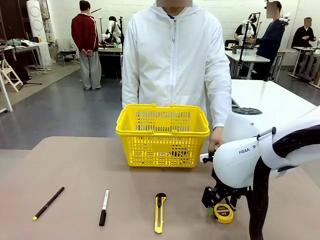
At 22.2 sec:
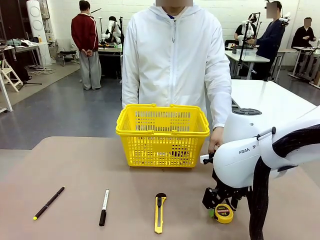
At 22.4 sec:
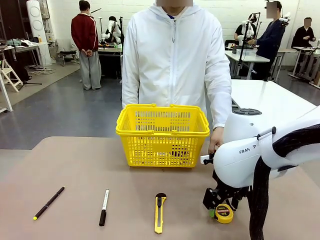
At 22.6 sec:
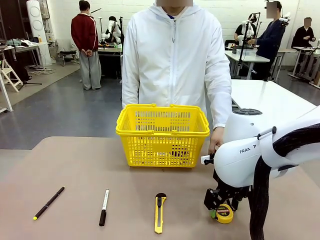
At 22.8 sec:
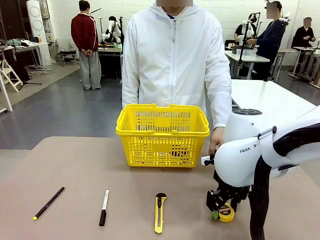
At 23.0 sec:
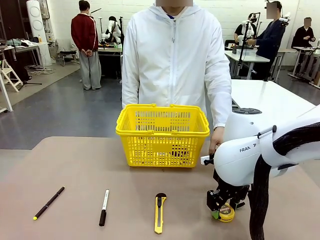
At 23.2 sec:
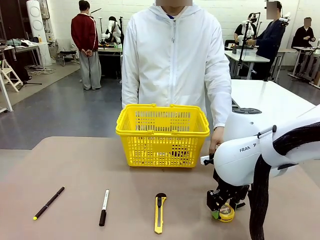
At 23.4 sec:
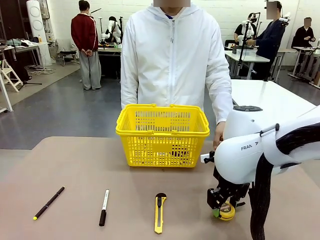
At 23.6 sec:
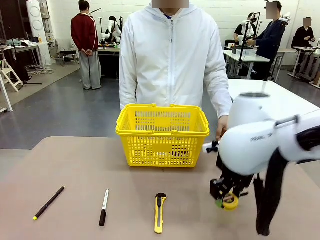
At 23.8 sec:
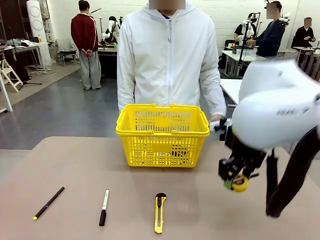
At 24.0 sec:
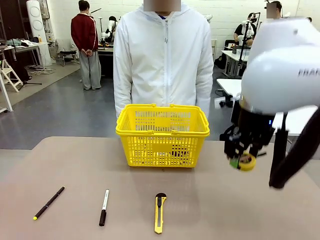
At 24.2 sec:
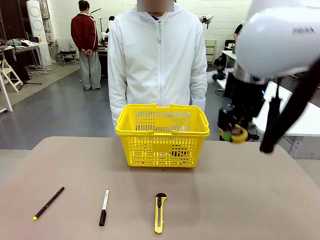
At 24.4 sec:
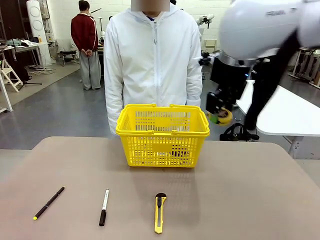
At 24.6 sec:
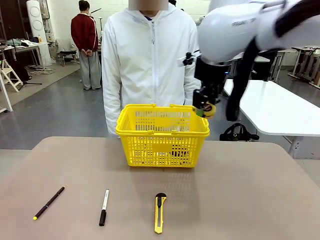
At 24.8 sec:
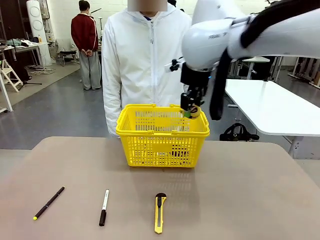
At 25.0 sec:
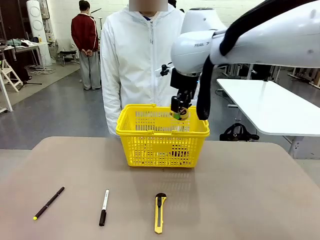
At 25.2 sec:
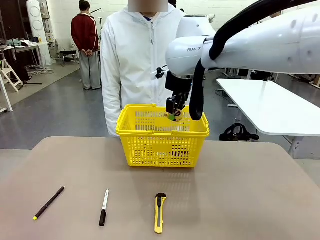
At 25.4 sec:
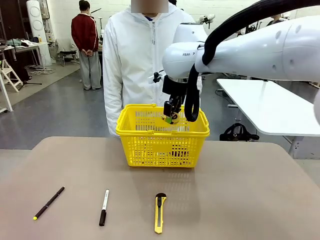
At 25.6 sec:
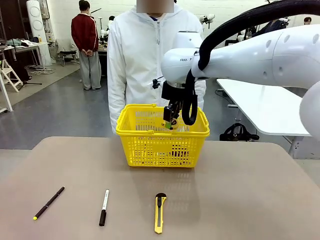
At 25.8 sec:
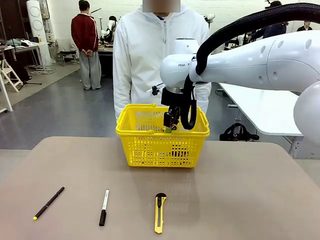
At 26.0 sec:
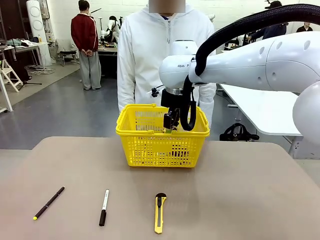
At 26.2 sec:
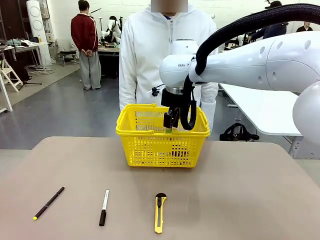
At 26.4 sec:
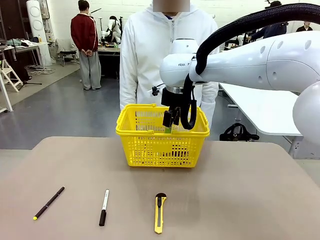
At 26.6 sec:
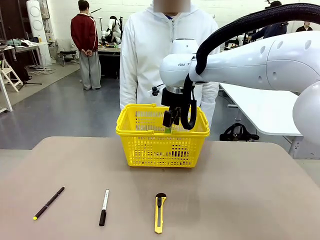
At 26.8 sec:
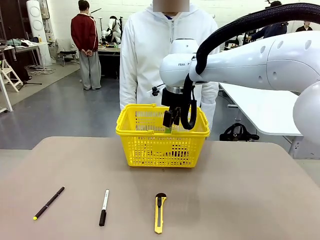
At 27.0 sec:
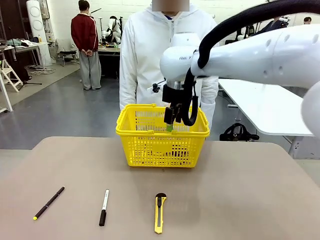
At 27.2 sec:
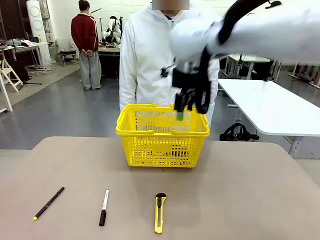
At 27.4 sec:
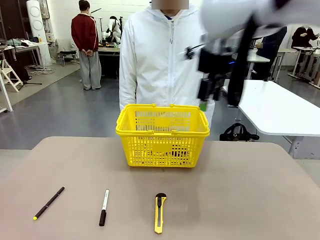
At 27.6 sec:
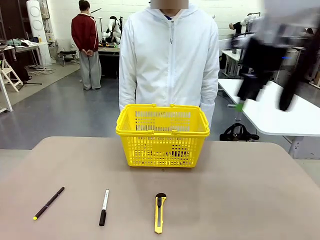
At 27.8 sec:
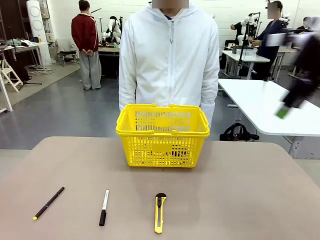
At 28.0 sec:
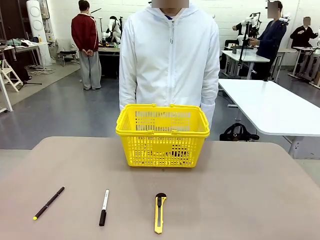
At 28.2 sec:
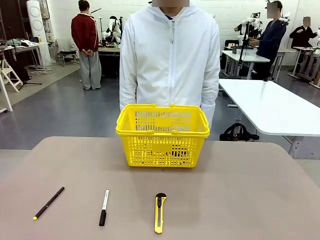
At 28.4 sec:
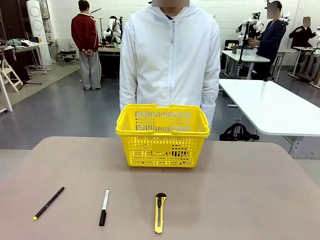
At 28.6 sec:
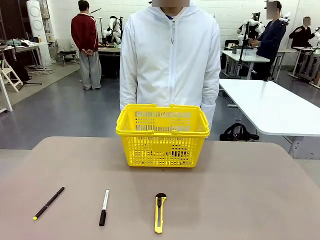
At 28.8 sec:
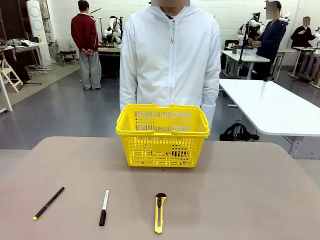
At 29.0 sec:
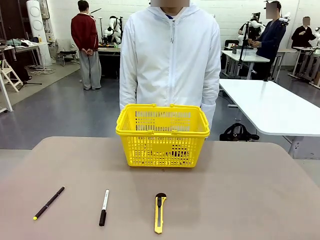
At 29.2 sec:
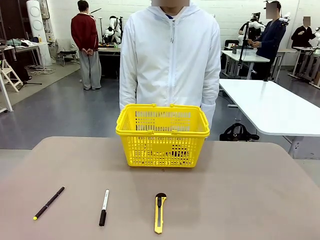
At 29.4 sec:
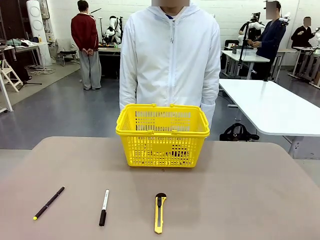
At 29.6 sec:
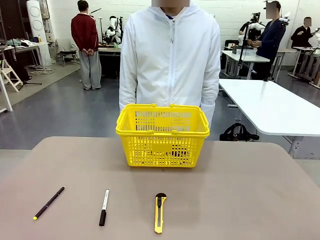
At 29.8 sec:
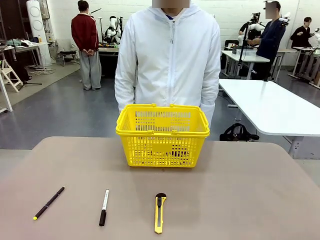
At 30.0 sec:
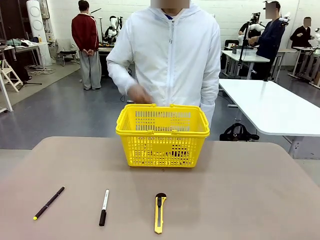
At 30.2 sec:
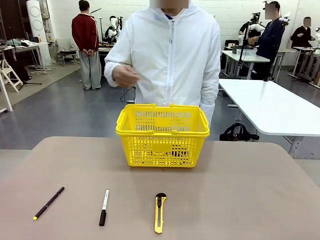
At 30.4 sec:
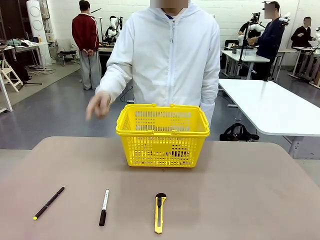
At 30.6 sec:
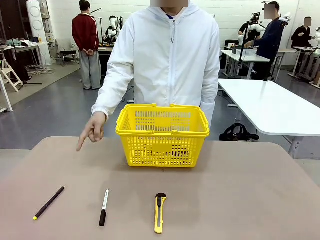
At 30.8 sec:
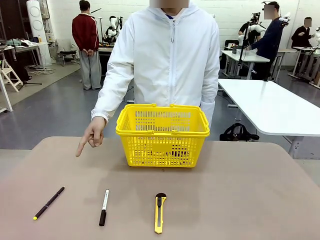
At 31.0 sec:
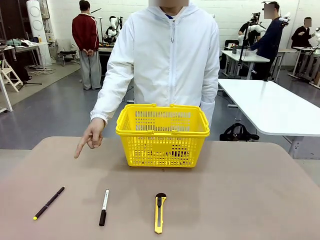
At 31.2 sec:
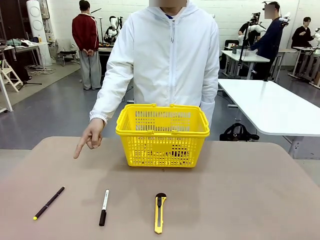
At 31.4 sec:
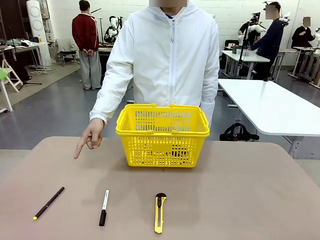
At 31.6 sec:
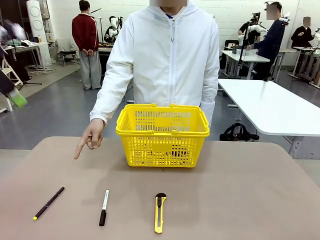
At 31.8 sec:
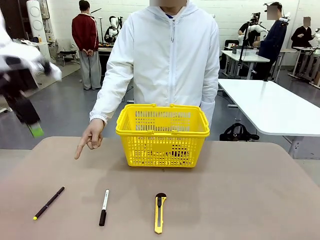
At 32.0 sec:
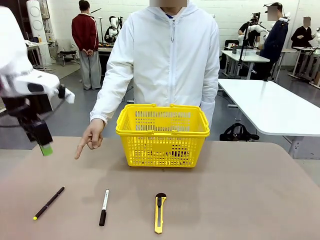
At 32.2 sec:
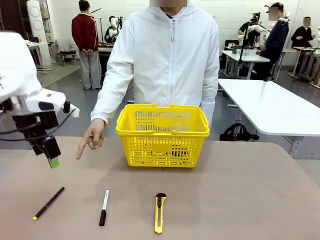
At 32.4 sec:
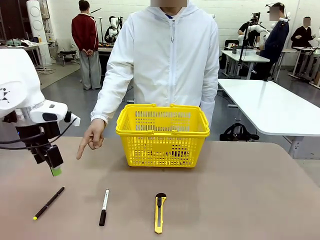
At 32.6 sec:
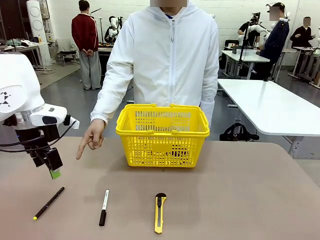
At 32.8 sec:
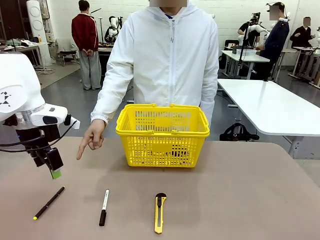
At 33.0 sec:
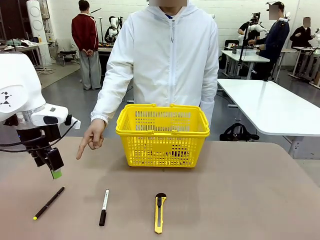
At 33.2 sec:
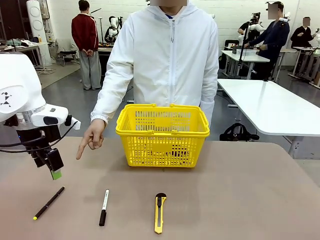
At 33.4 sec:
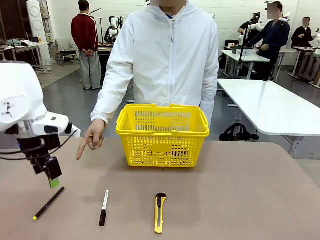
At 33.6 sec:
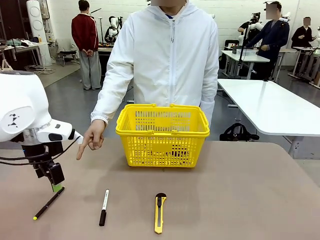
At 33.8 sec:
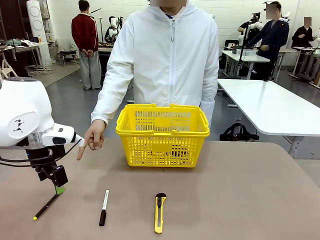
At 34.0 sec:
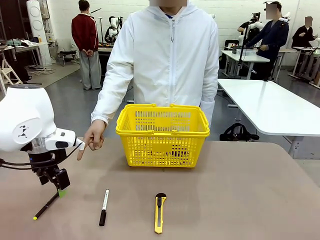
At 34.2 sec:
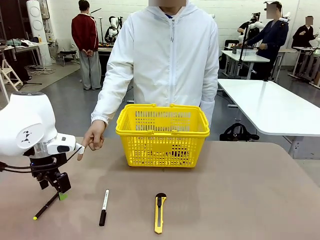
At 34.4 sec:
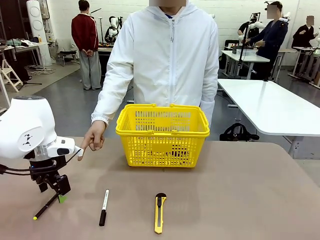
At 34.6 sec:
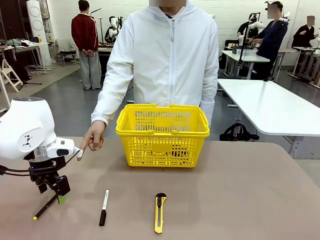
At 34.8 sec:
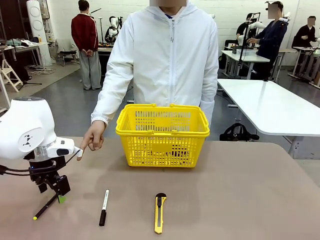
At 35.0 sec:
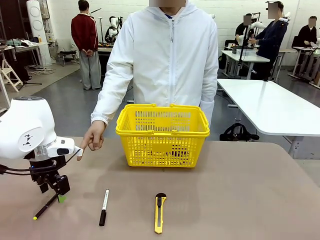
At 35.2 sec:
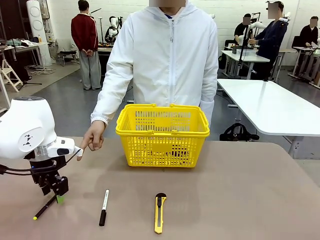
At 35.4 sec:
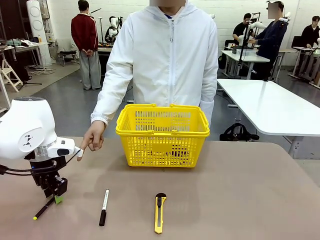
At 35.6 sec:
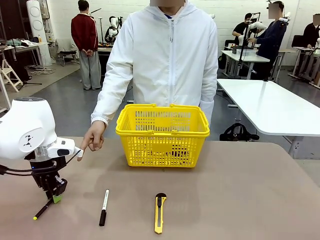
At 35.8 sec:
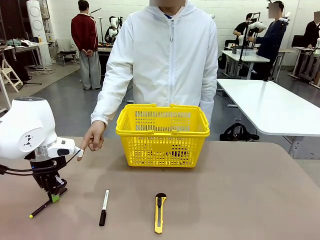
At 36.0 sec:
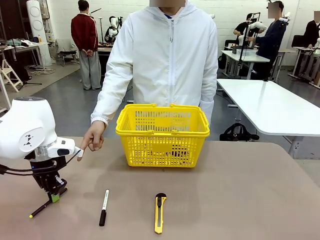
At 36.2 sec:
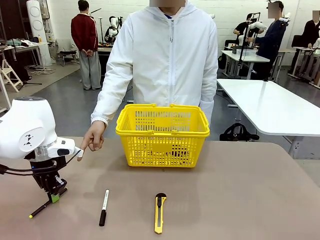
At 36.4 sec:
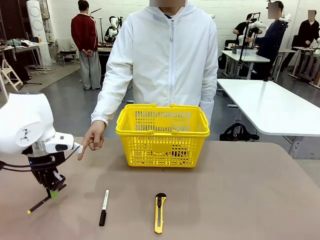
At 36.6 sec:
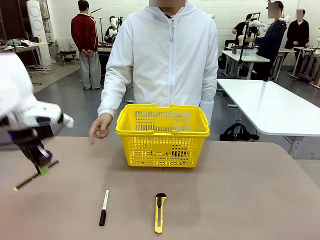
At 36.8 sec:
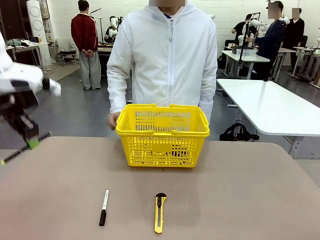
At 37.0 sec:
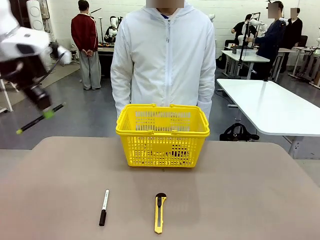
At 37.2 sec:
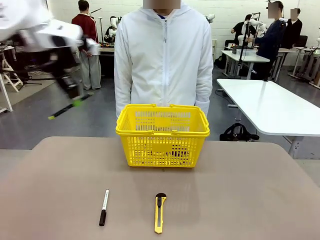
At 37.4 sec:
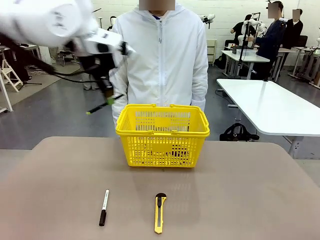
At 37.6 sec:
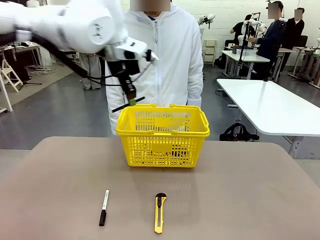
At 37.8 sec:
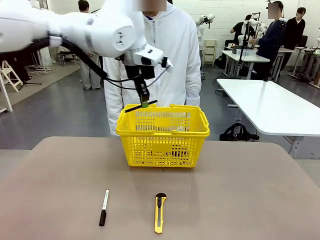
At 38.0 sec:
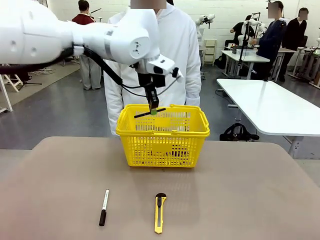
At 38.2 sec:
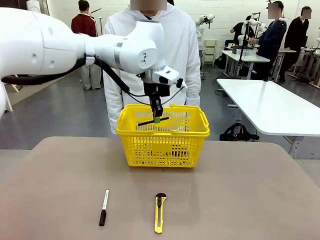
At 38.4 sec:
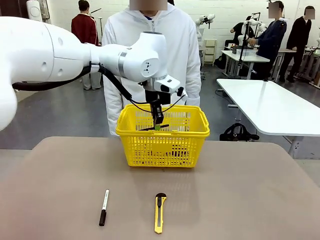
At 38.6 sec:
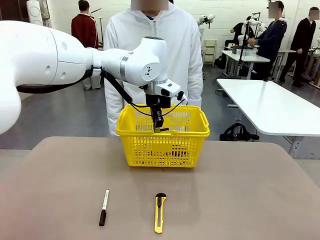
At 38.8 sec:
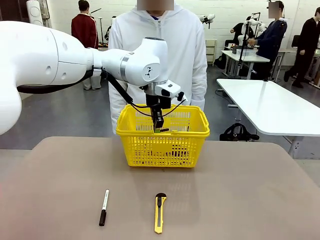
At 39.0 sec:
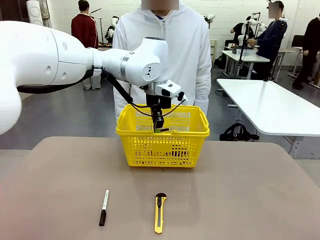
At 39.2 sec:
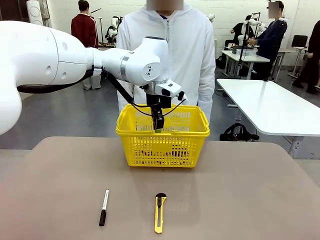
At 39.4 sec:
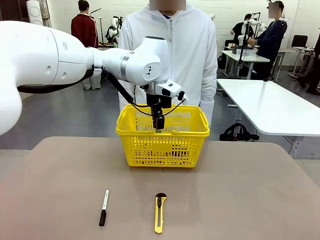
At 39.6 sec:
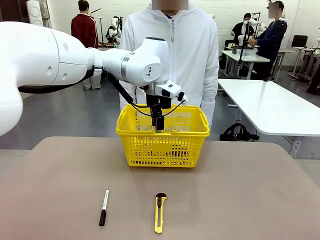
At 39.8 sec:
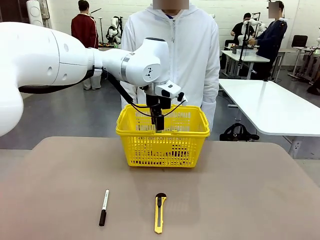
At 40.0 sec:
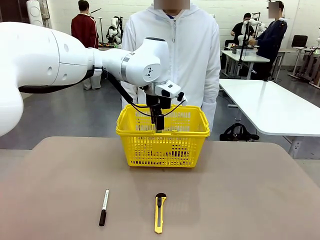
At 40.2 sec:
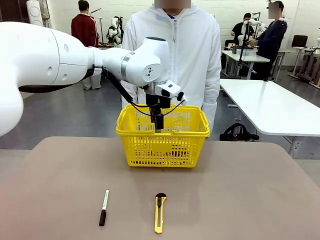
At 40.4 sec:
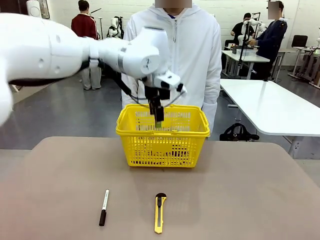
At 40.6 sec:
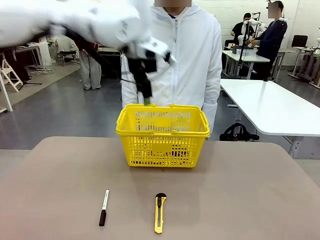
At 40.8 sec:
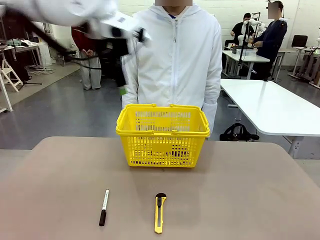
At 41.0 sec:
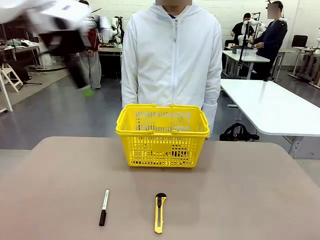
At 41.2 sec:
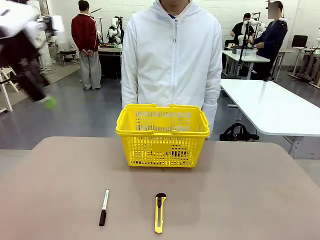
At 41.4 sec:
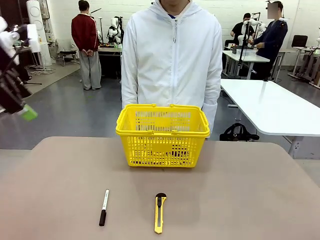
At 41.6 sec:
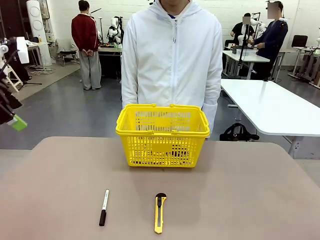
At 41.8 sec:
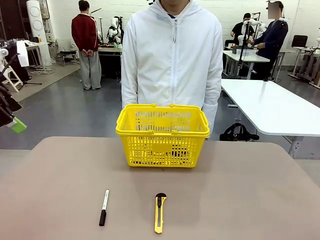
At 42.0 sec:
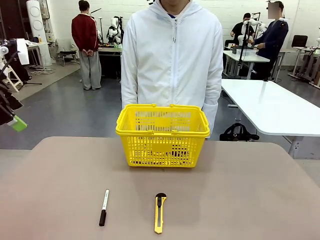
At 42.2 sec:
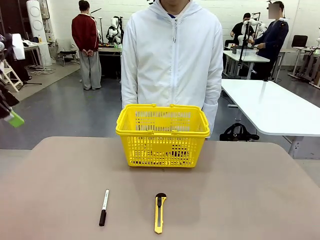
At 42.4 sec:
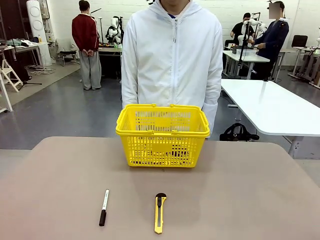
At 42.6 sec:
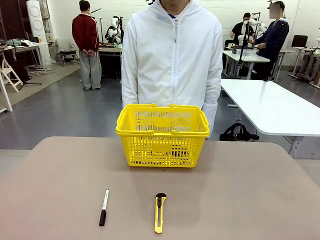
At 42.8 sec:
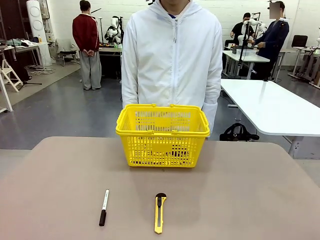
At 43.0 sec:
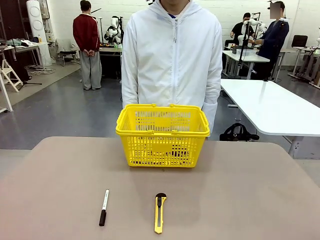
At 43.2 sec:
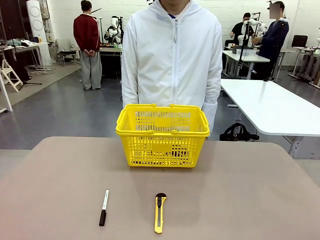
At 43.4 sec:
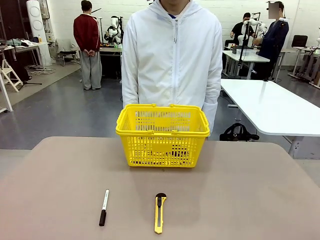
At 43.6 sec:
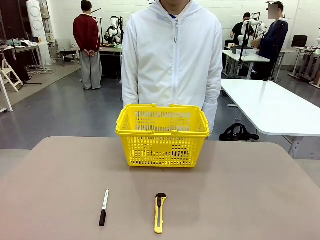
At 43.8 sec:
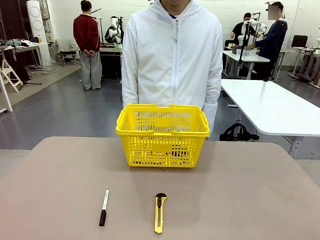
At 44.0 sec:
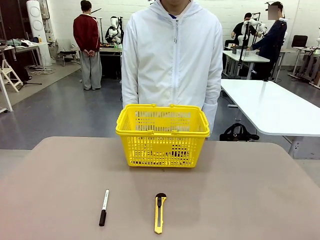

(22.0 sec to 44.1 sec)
Task: Place the items the person wants into the basket.
Robot: Pick up the item the person points to and place it in the Market Basket.
Person: Point to one object on the table (excluding the basket).
